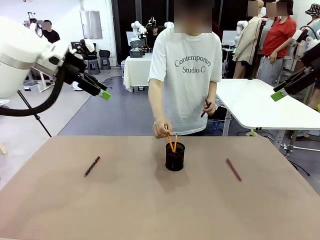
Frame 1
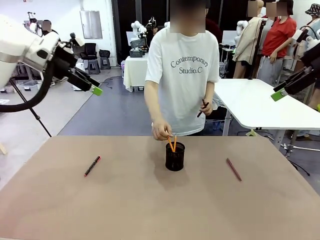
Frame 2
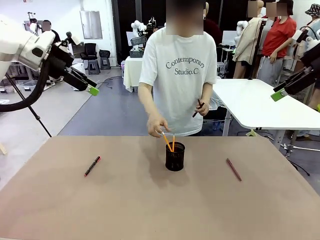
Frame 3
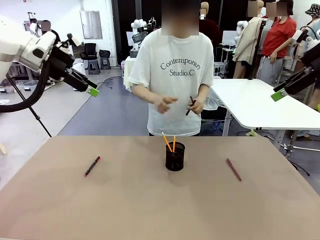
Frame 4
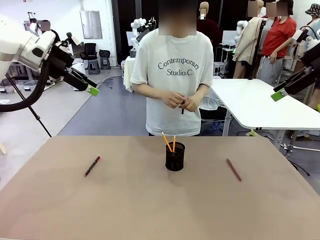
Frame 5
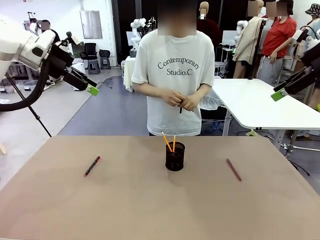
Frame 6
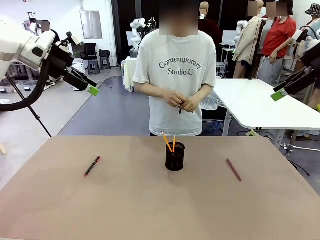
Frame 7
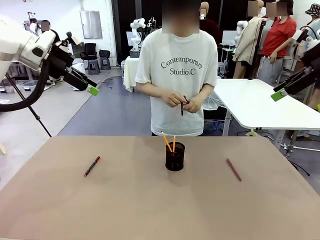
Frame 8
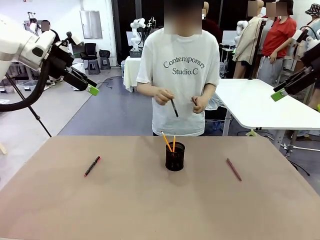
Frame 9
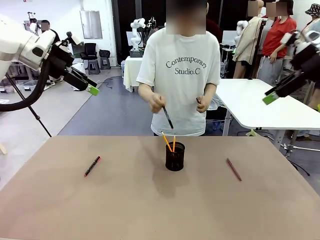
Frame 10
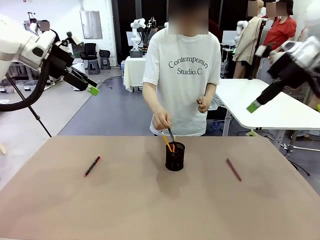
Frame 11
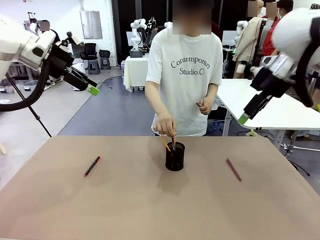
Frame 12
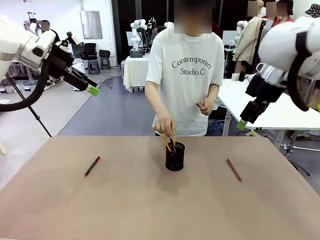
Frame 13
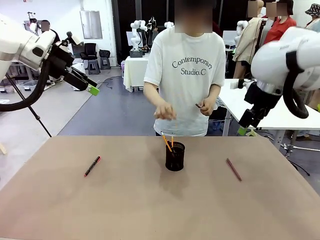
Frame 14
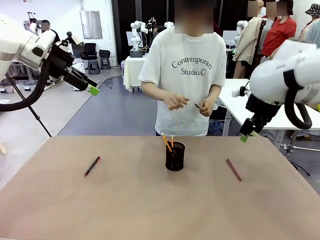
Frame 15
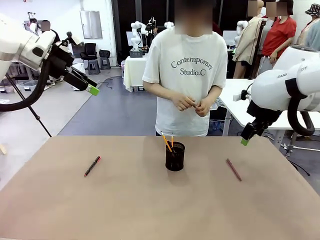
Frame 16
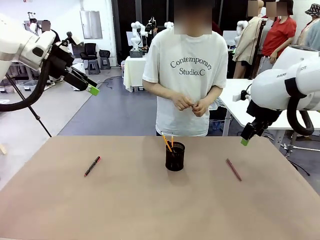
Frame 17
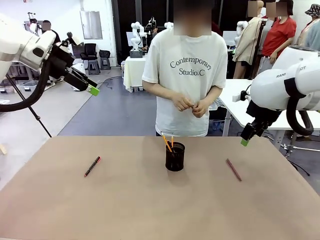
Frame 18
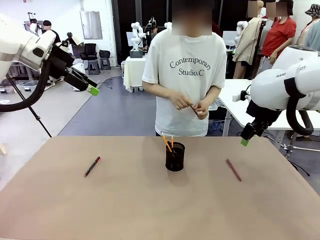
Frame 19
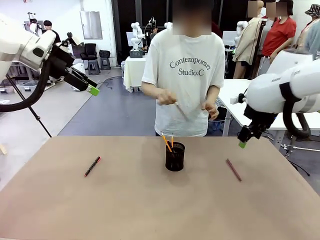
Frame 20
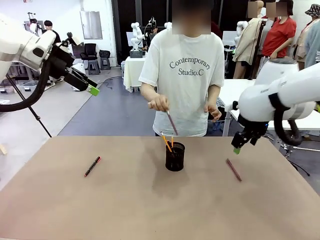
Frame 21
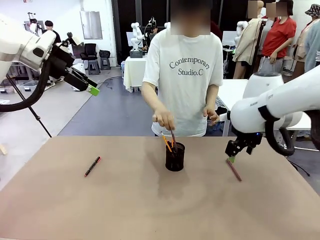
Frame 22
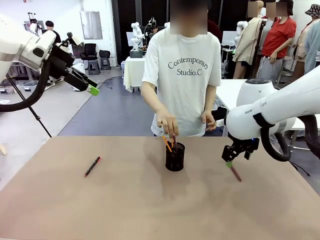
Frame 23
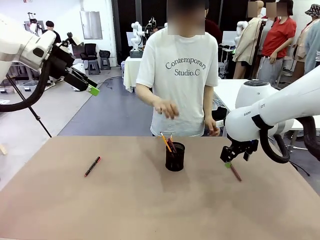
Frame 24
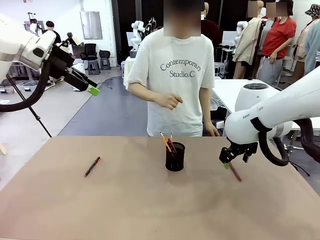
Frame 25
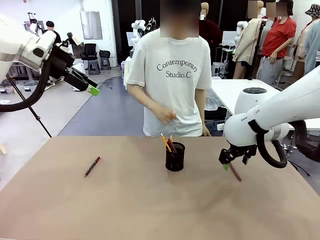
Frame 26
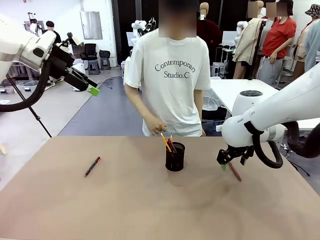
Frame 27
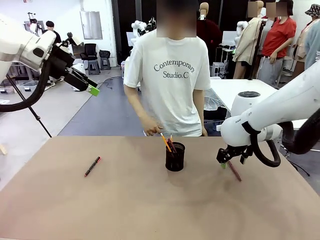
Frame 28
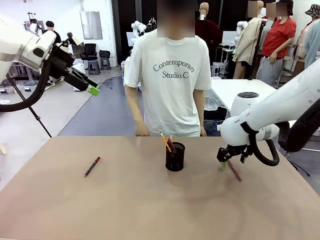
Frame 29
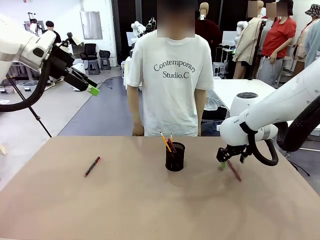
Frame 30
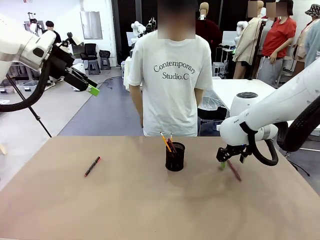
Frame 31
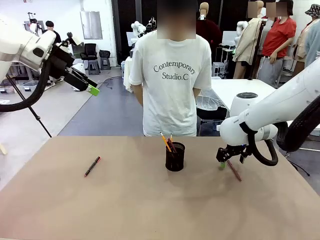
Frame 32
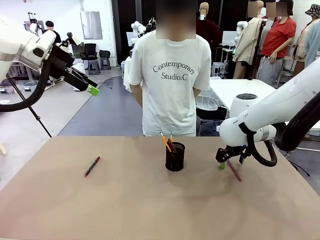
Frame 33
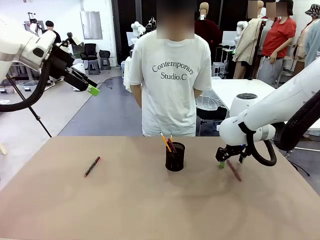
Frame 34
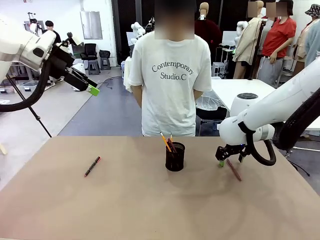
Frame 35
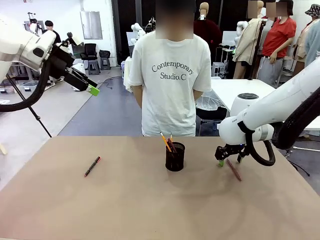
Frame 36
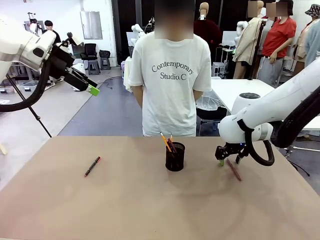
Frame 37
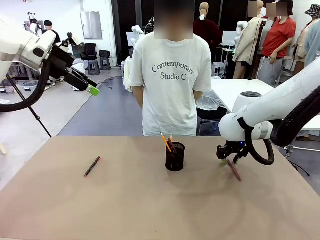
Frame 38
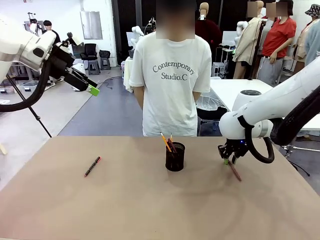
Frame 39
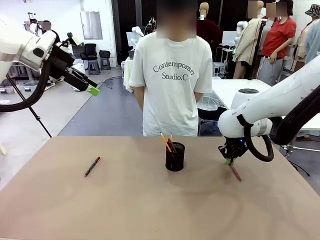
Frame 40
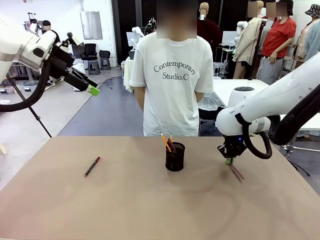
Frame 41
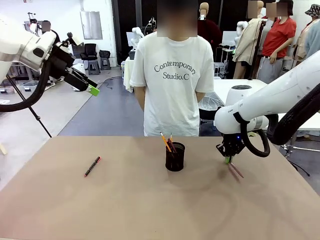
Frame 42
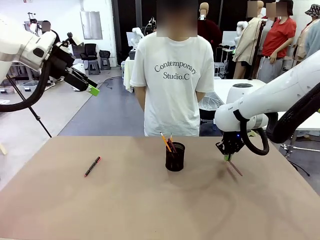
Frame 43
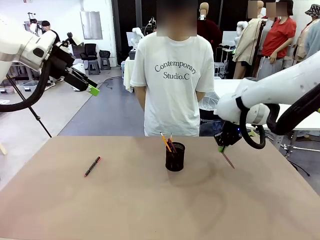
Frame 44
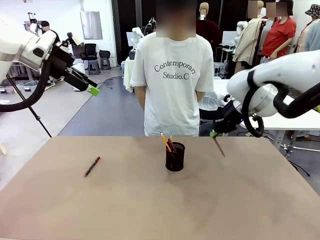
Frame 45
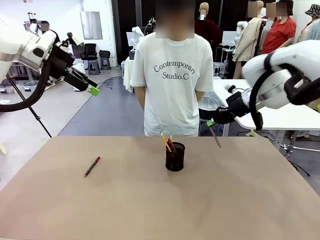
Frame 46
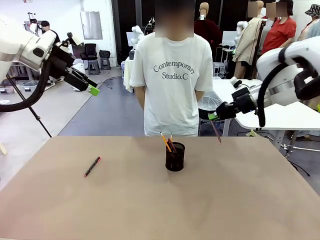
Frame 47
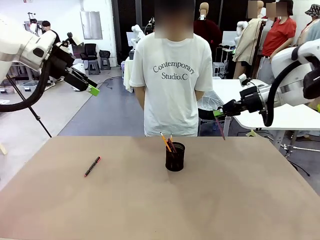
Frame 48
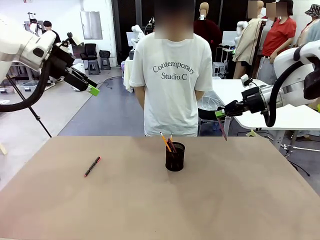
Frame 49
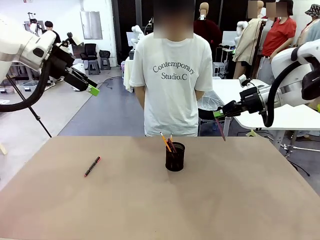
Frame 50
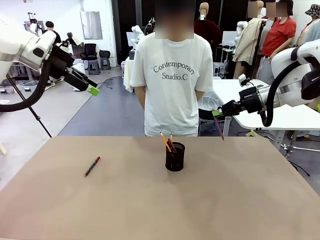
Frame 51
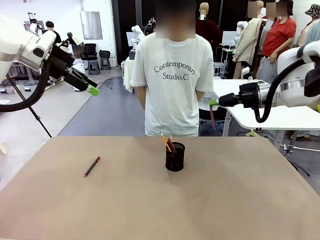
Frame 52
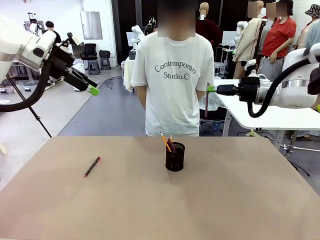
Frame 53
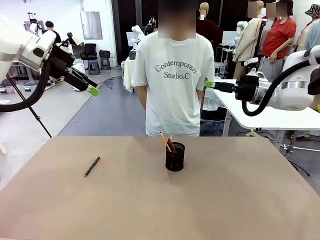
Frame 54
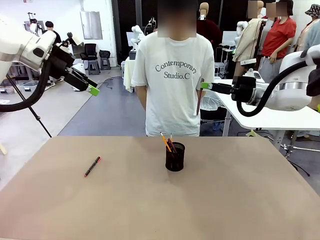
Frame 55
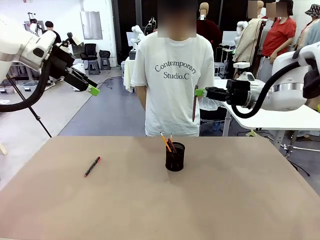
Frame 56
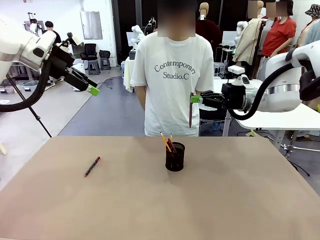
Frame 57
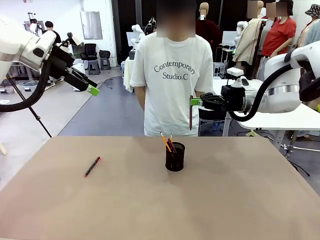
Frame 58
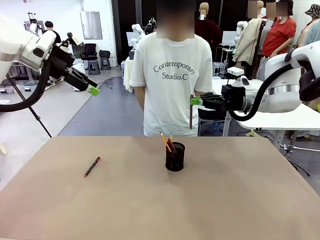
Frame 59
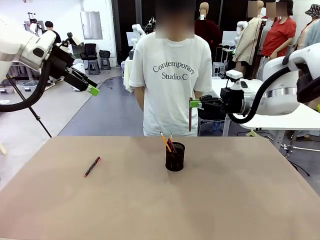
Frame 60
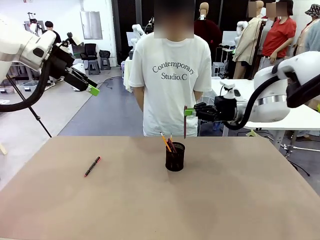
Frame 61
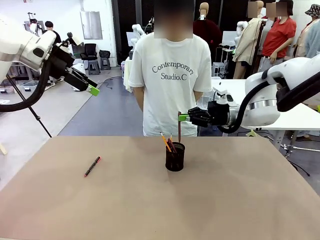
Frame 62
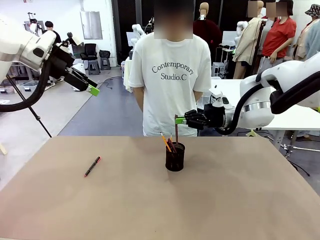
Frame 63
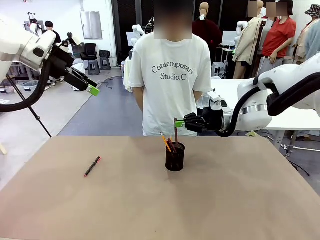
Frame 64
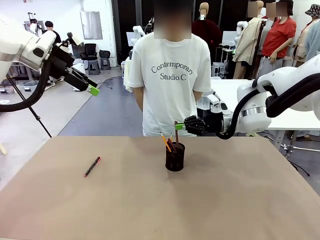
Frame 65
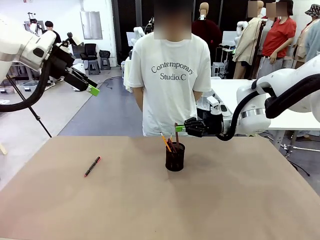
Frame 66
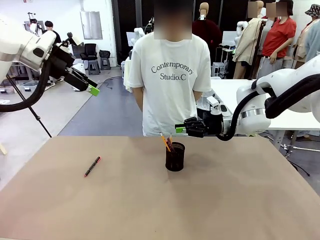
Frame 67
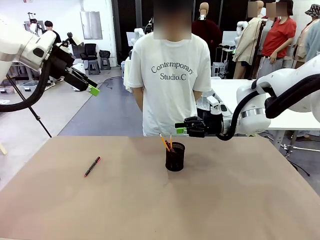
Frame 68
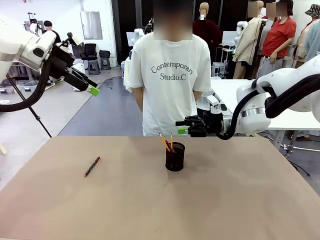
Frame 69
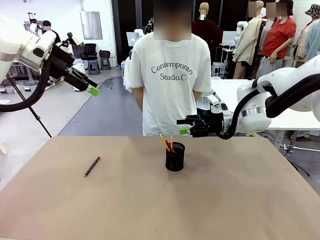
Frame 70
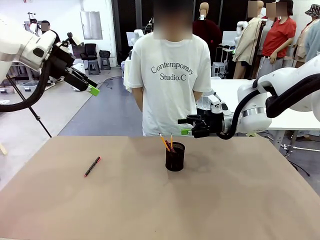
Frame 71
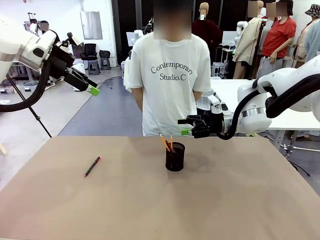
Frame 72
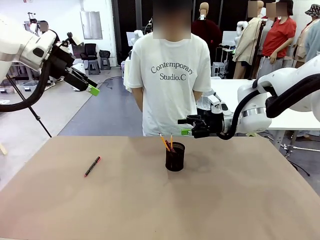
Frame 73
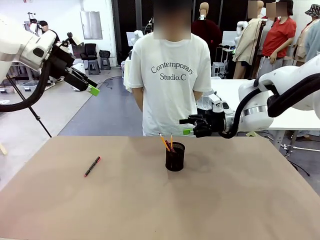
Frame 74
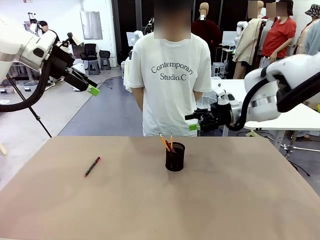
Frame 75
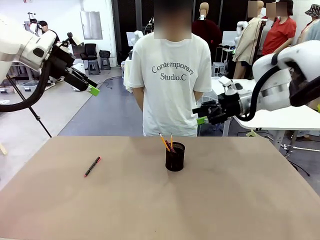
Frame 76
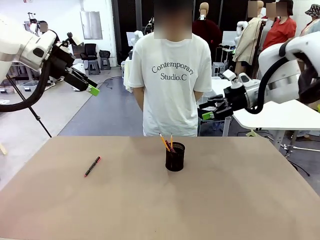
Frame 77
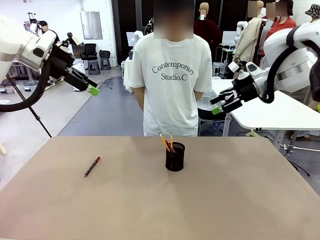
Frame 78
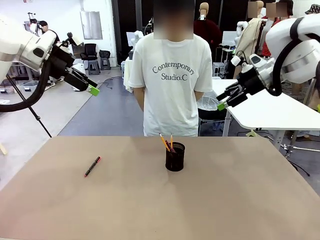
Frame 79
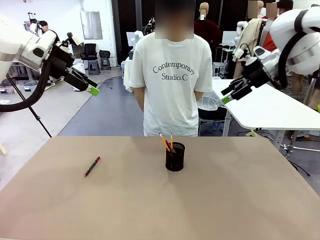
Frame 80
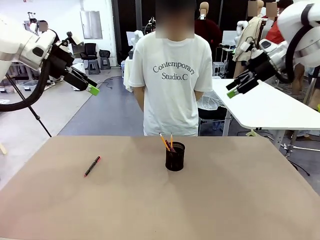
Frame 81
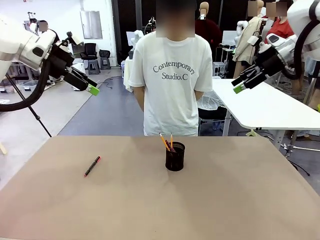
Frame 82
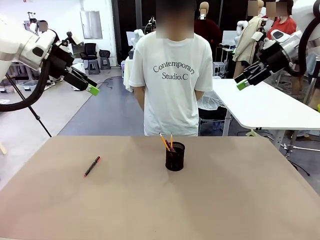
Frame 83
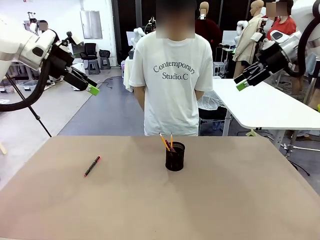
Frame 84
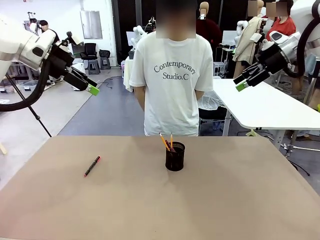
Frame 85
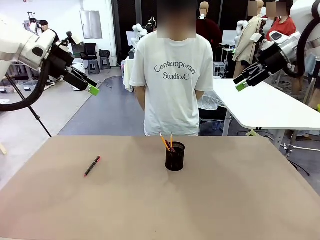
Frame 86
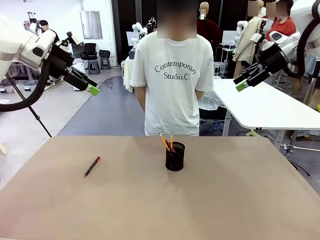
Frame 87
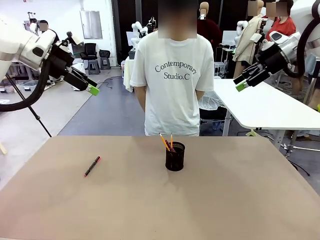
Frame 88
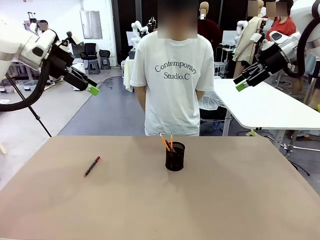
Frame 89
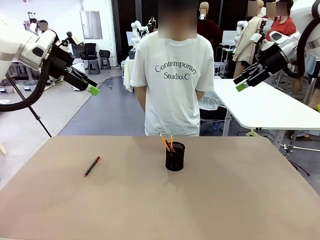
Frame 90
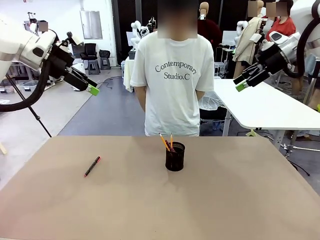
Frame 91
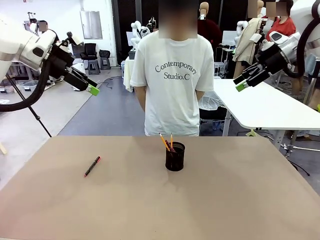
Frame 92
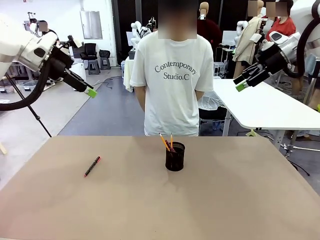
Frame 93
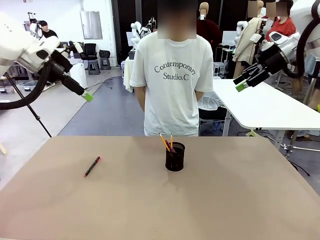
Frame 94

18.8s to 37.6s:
Task: Place the pens into the pen holder.
Robot: Pick up a writing instrument from the table and place it into the Pen holder.
